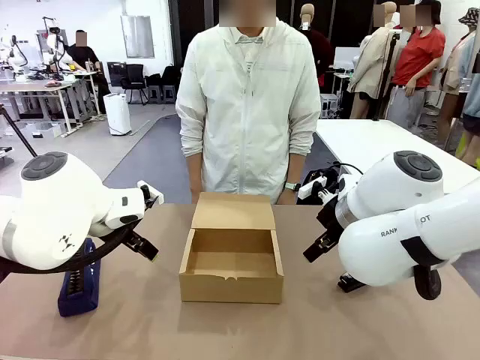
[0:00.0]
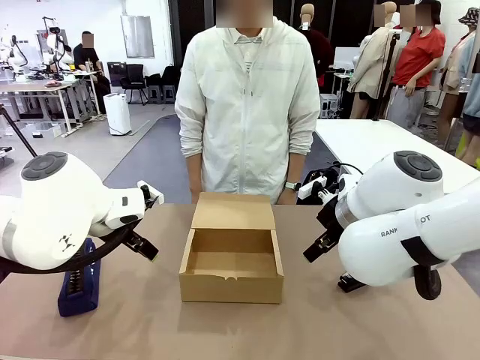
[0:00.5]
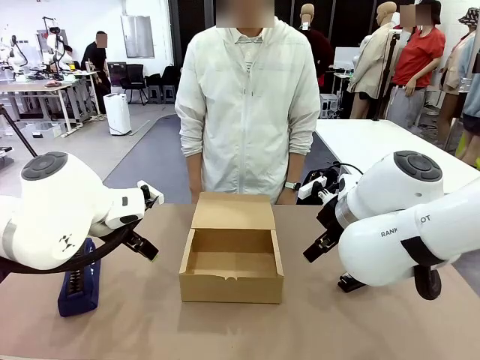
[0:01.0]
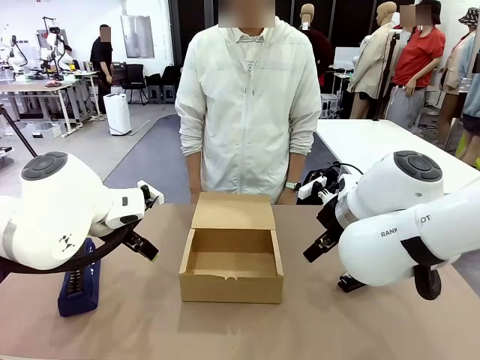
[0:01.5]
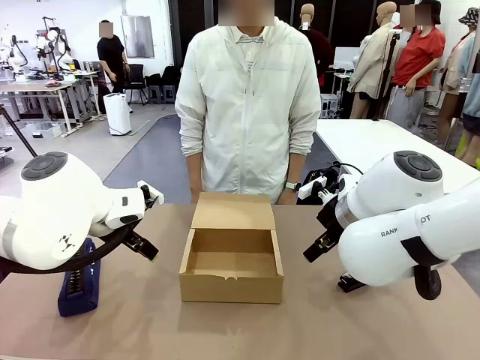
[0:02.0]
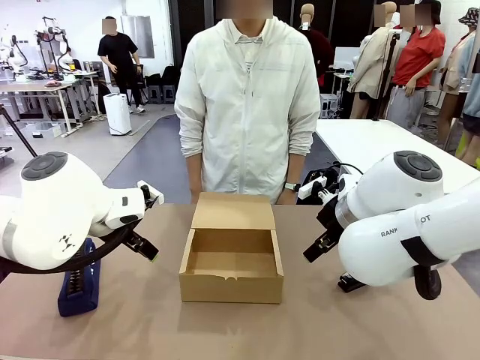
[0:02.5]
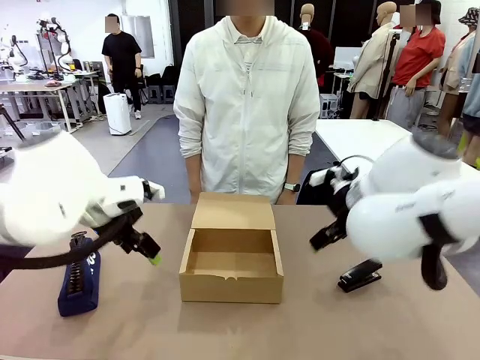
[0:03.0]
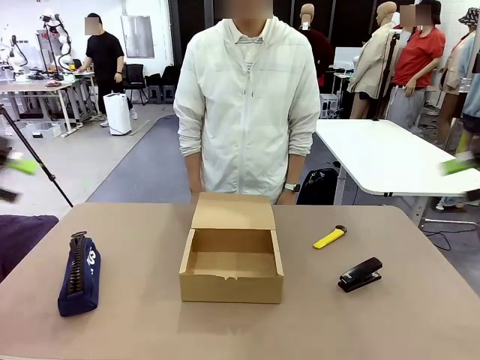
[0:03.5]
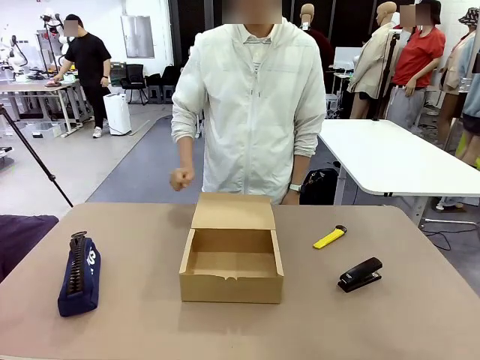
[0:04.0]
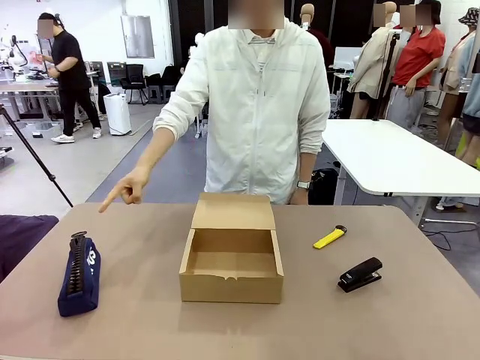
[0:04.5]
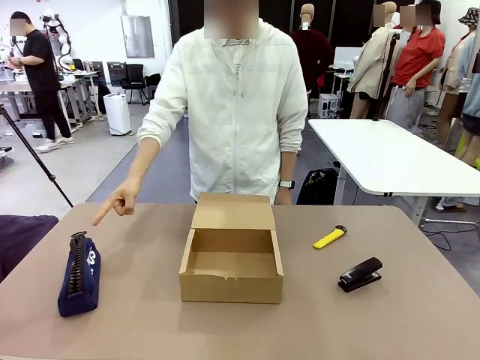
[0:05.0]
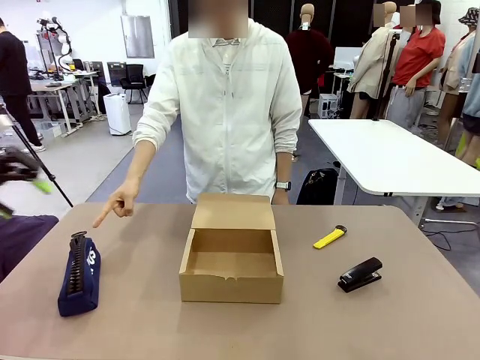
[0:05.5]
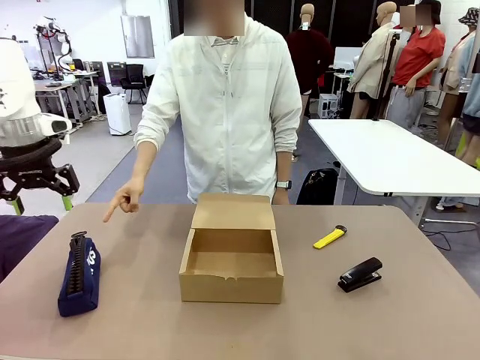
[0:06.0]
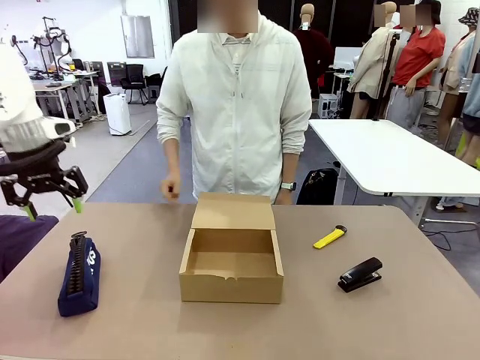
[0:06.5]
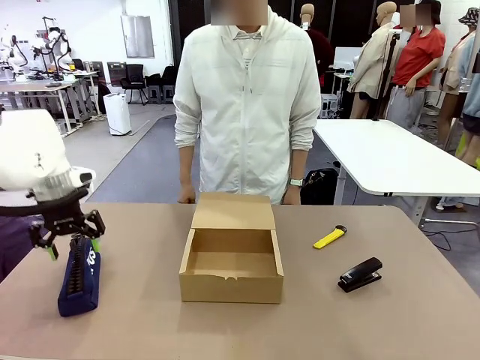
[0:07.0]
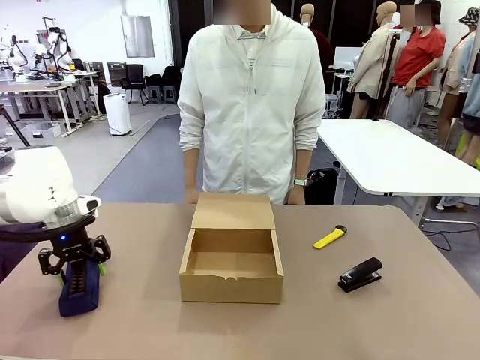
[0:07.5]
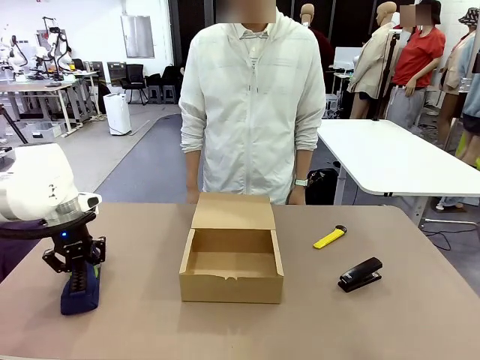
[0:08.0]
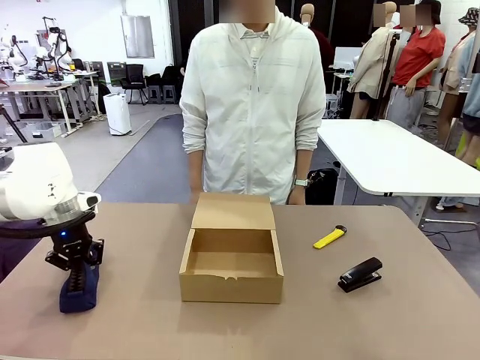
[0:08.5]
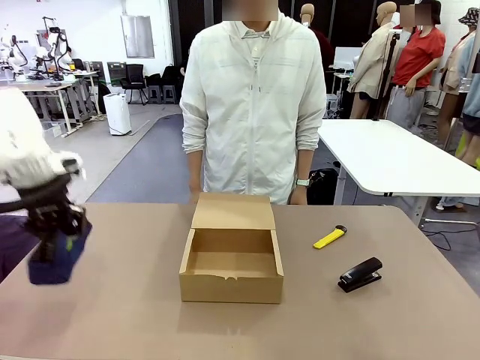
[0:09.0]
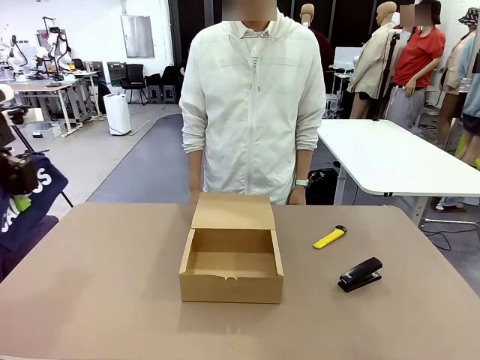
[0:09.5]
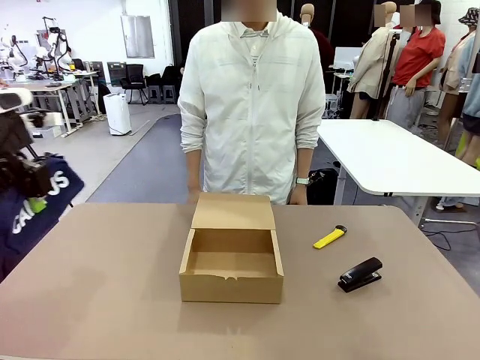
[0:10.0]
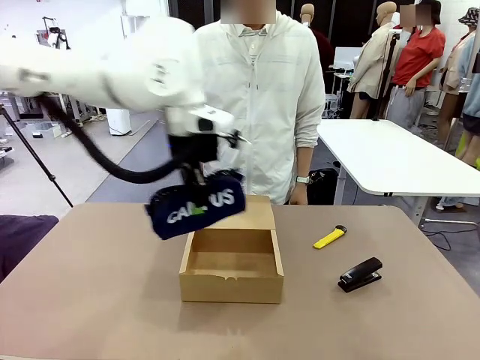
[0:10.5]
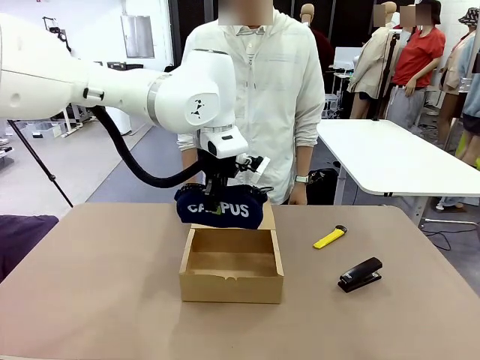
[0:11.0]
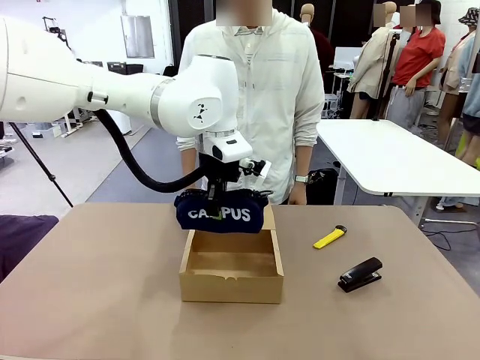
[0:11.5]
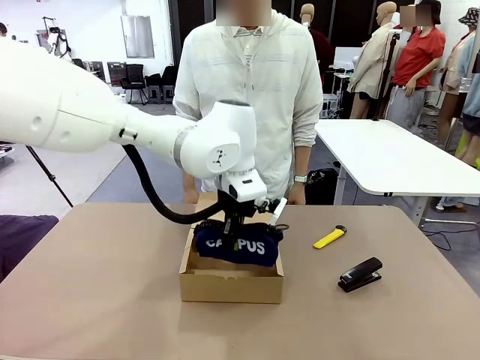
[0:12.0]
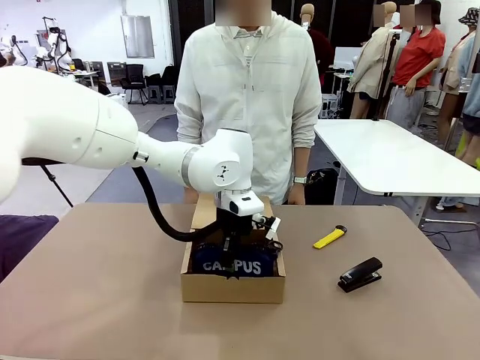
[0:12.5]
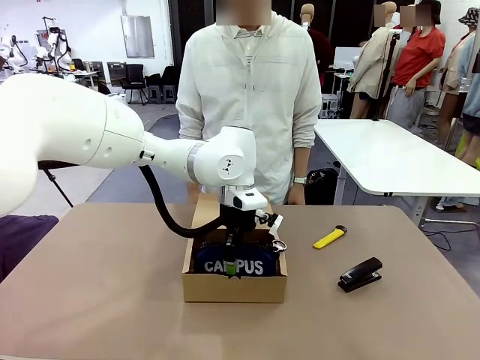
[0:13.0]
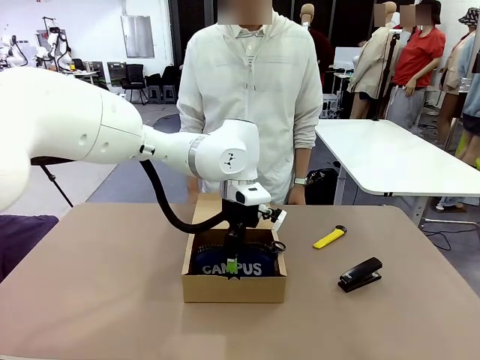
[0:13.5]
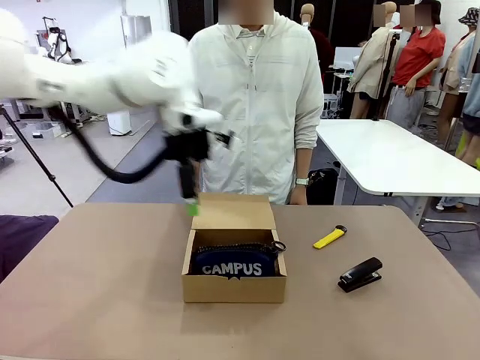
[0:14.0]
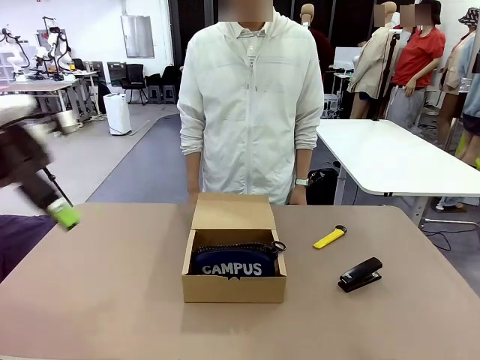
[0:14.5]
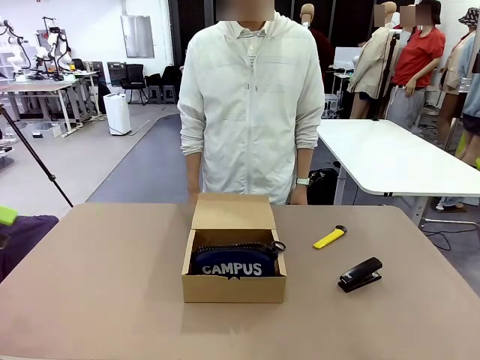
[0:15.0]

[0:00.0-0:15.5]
Task: Pack the items into the box.
Robot: Pick up the item specified by the human and place it in the Mailer Box.
Person: Point at one item on the table (excluding the box).

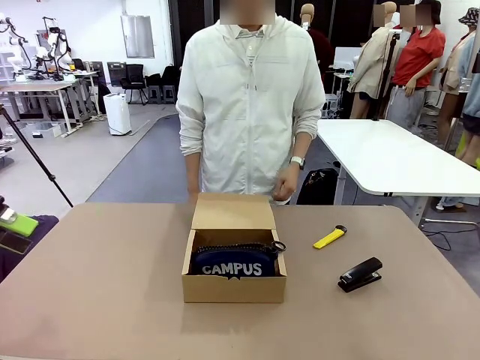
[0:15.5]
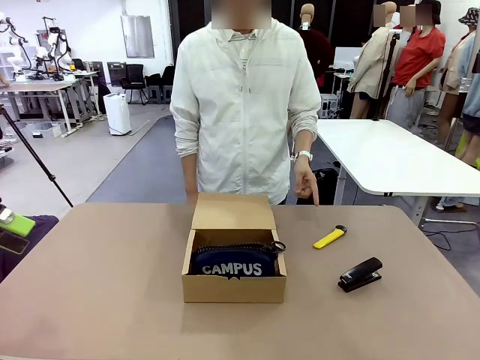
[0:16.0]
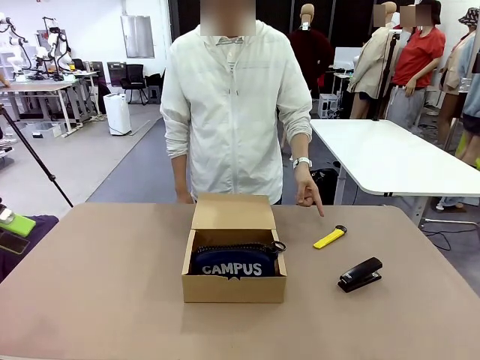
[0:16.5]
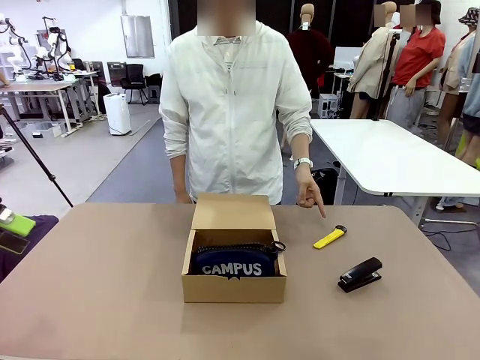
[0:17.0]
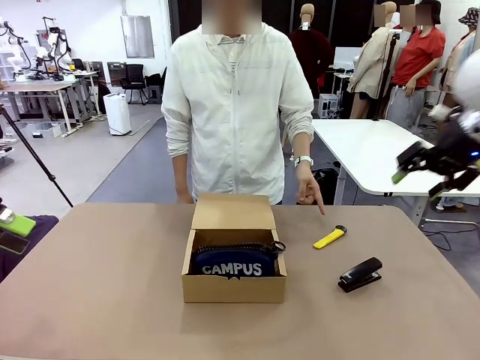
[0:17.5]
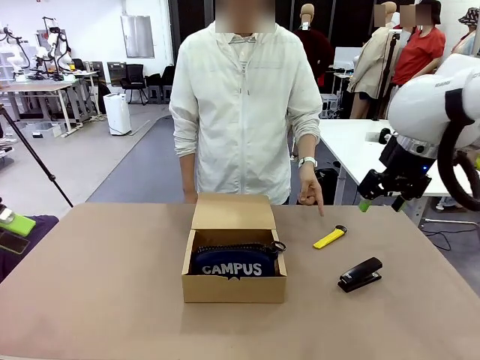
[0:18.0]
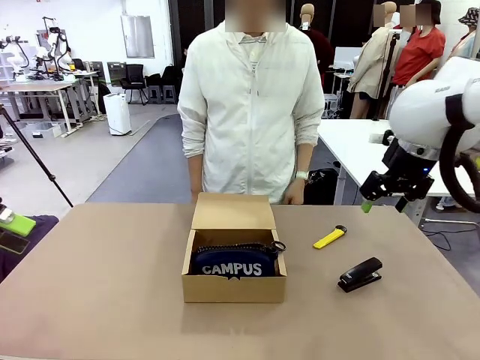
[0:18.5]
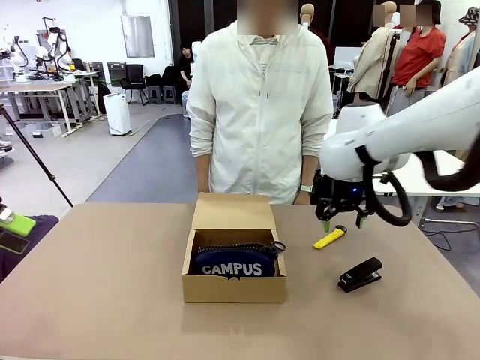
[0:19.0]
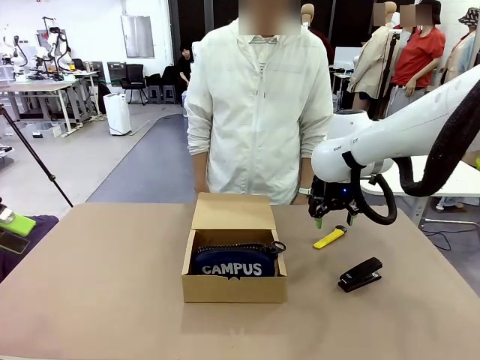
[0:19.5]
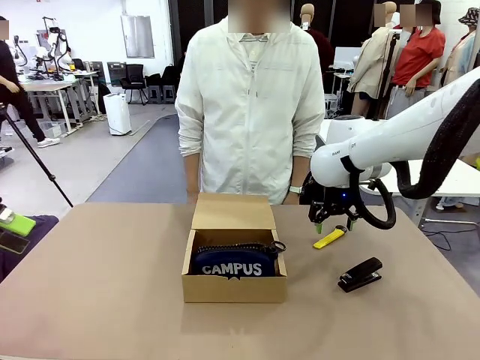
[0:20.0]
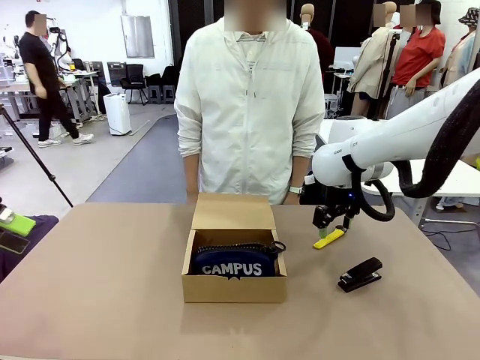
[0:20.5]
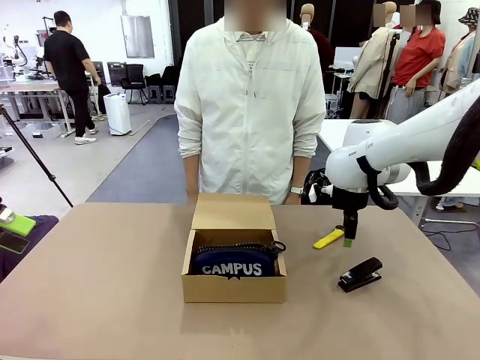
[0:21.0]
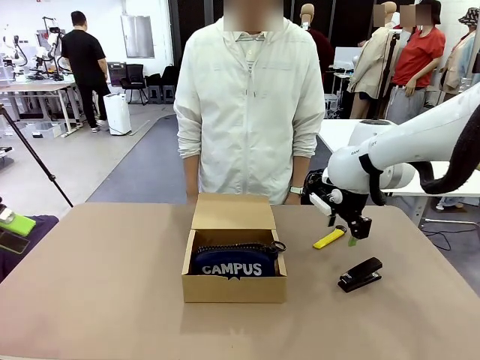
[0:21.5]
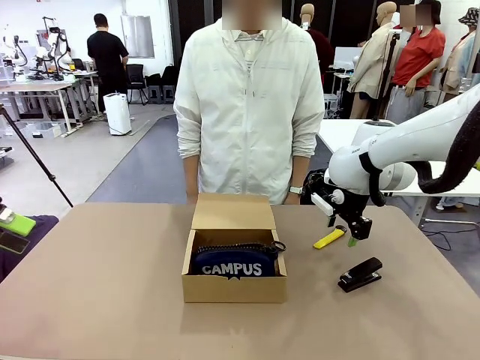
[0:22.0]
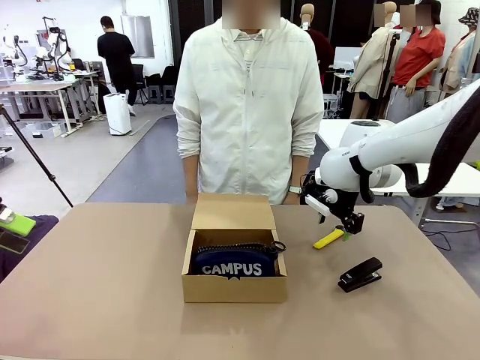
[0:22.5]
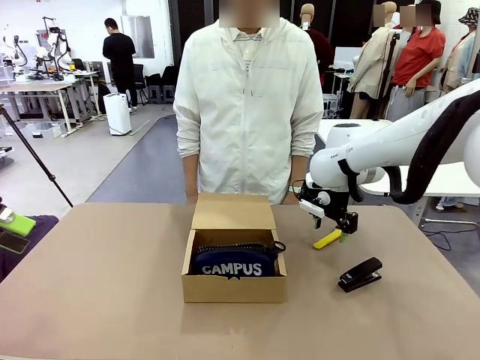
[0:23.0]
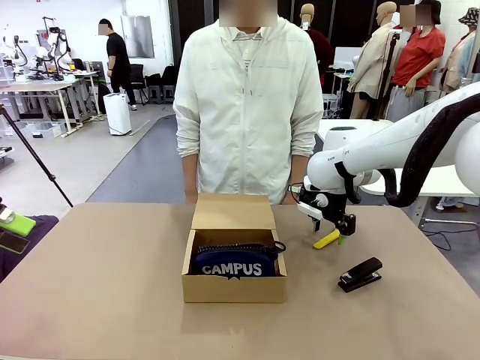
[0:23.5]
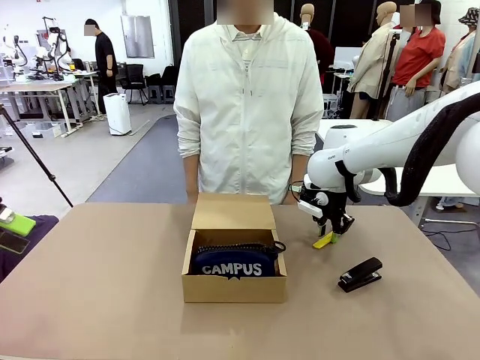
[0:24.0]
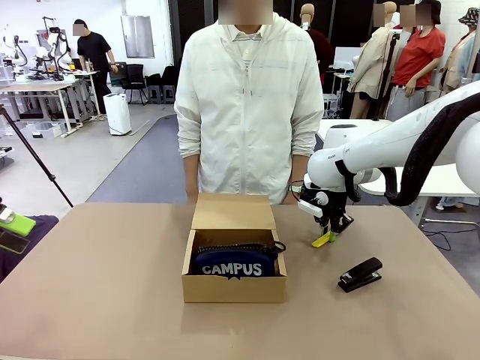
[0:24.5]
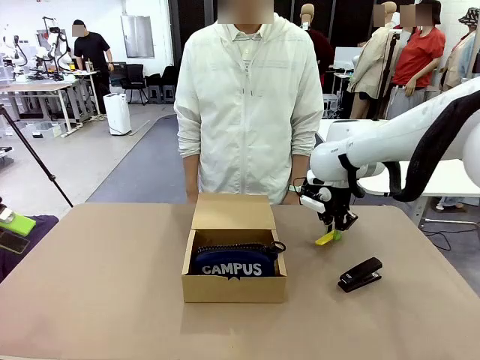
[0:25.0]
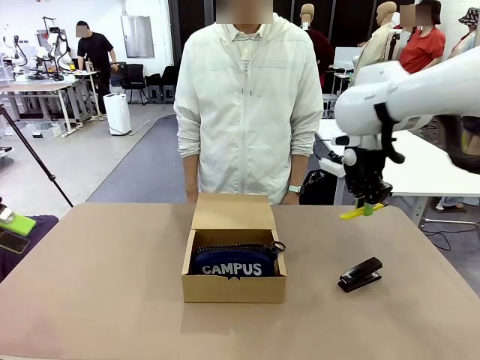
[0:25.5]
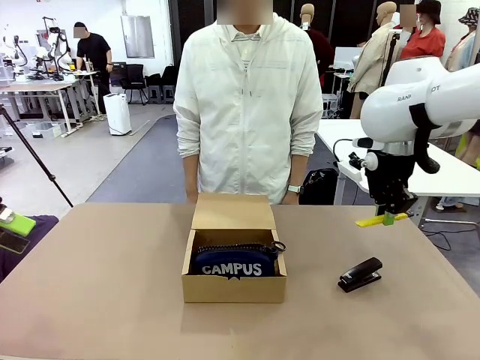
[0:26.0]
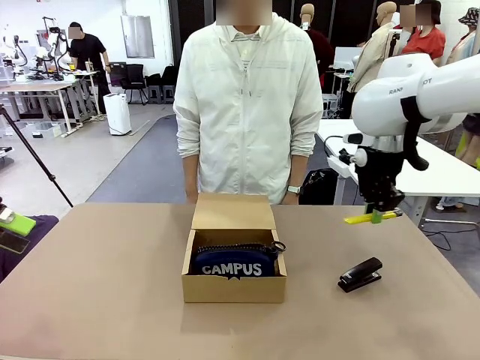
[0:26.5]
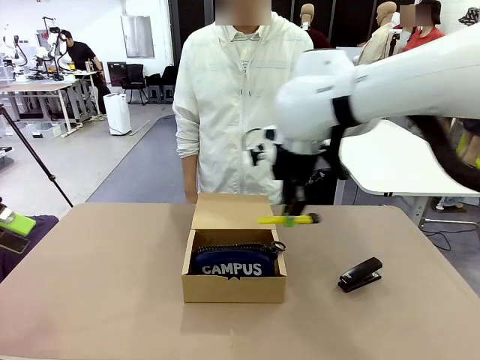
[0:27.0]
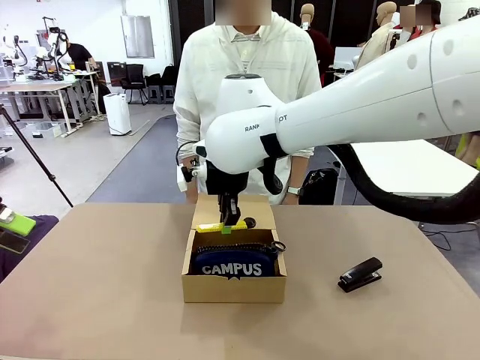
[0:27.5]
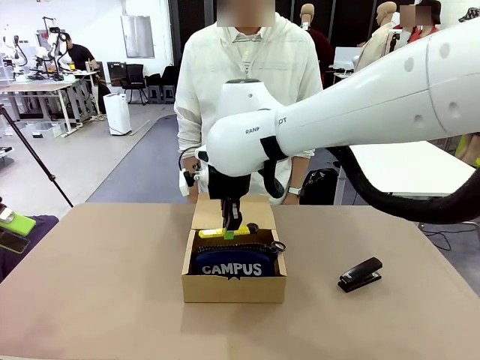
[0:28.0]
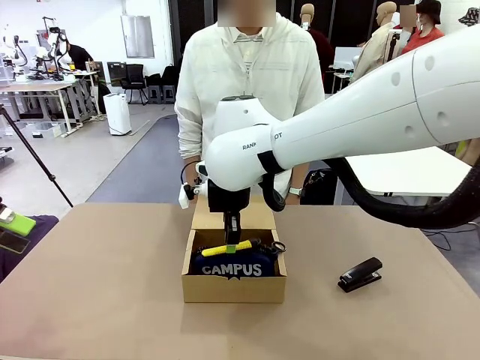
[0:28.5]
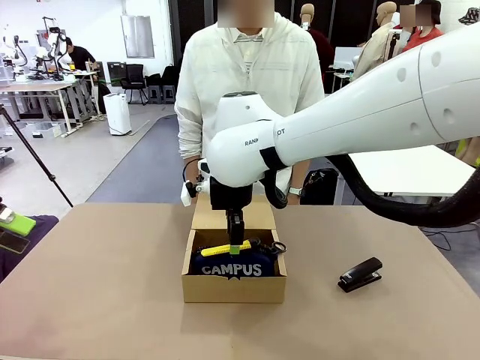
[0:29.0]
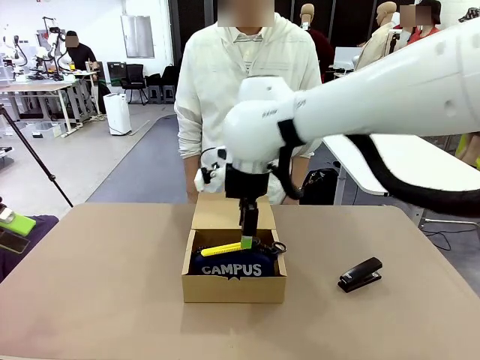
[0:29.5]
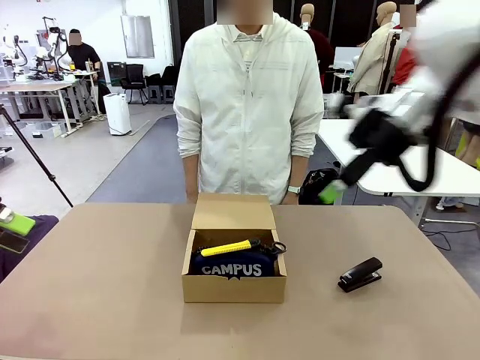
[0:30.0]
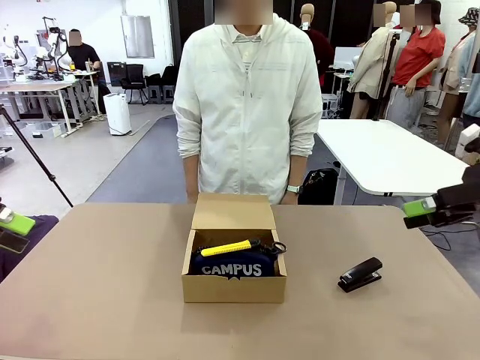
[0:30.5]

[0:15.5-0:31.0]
Robot: Pick up the item specified by the human and place it in the Mailer Box.
Person: Lower both hands vertically with palms facing downward, as if pressing something closed.
